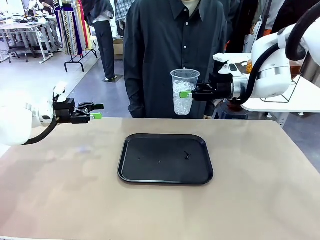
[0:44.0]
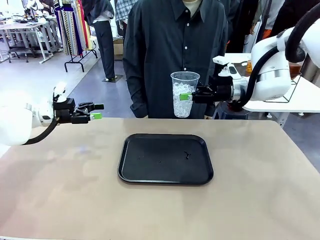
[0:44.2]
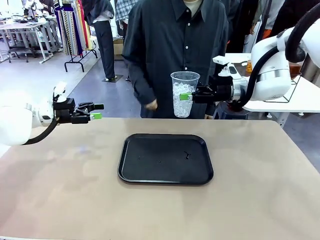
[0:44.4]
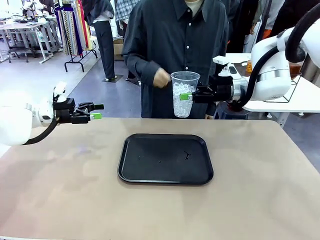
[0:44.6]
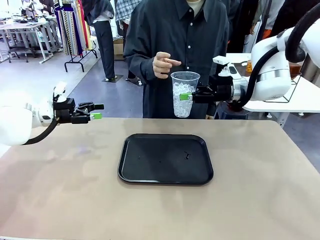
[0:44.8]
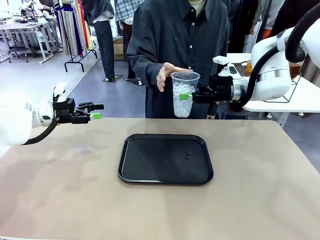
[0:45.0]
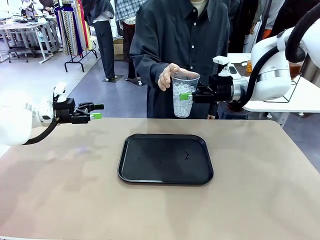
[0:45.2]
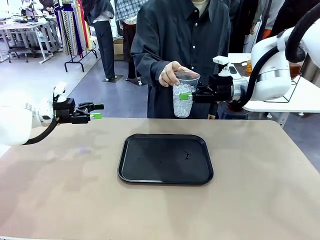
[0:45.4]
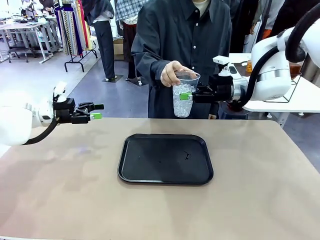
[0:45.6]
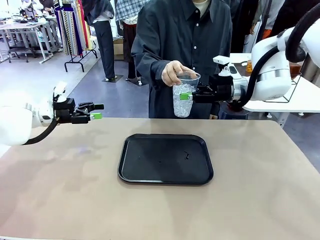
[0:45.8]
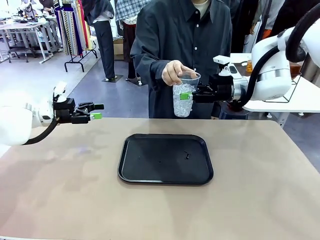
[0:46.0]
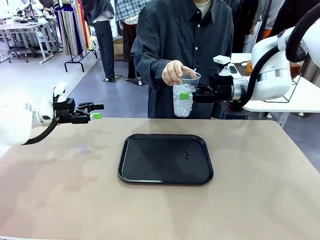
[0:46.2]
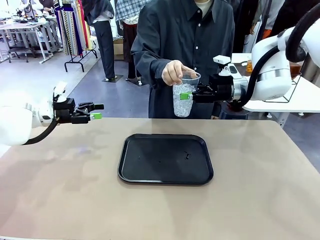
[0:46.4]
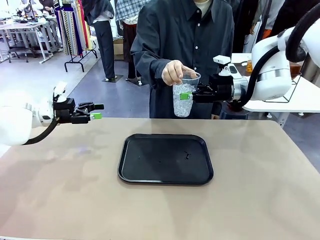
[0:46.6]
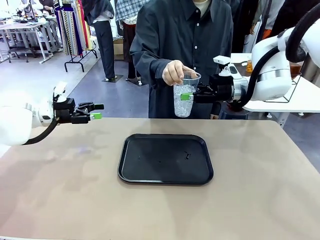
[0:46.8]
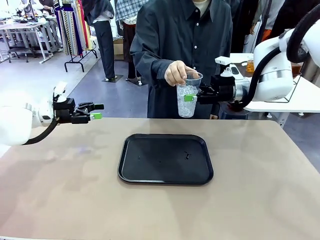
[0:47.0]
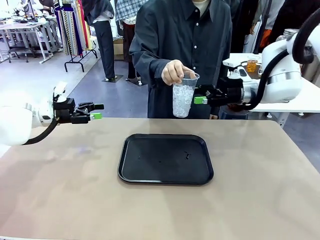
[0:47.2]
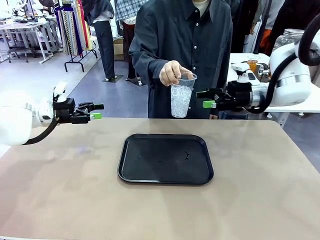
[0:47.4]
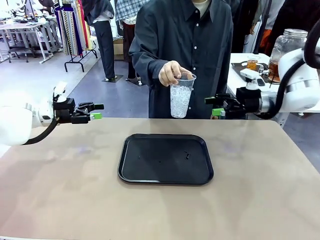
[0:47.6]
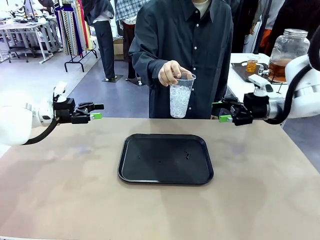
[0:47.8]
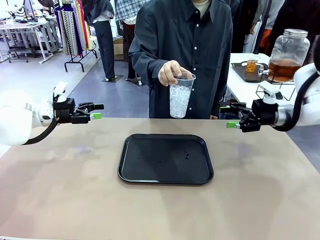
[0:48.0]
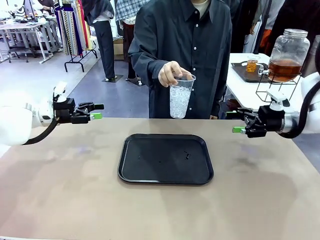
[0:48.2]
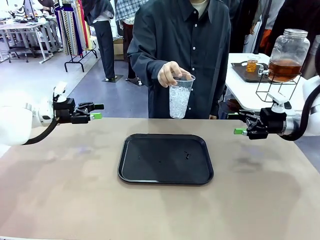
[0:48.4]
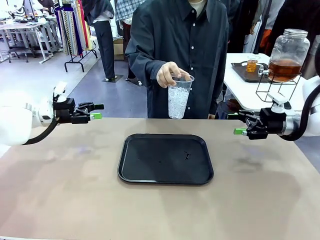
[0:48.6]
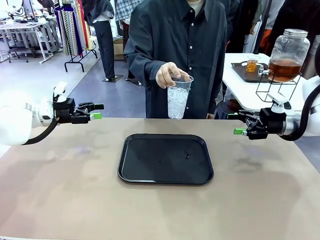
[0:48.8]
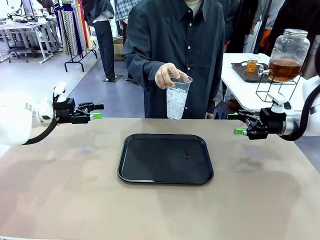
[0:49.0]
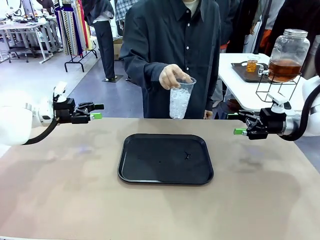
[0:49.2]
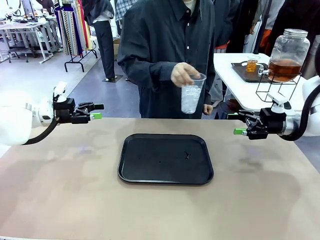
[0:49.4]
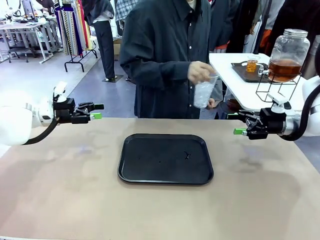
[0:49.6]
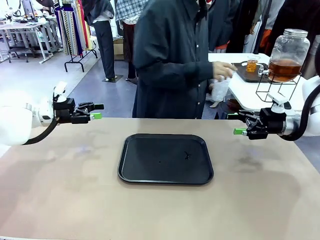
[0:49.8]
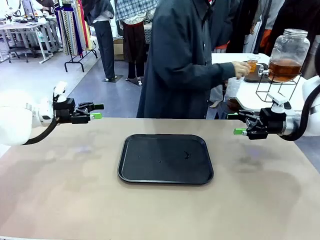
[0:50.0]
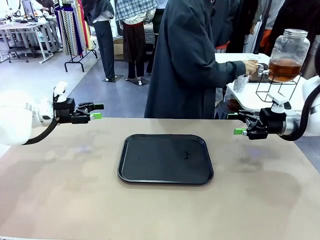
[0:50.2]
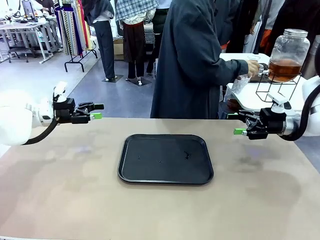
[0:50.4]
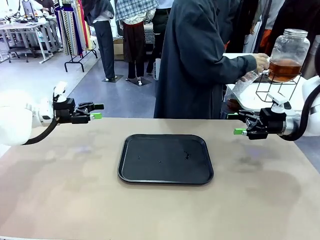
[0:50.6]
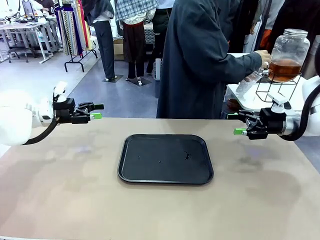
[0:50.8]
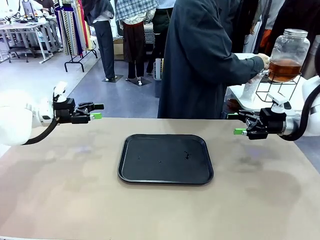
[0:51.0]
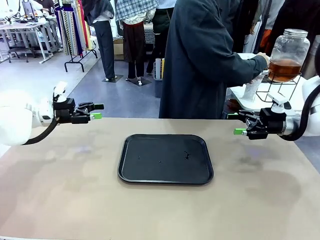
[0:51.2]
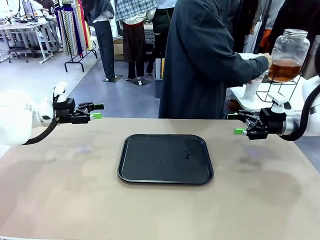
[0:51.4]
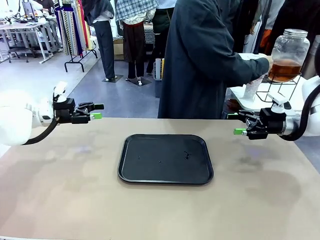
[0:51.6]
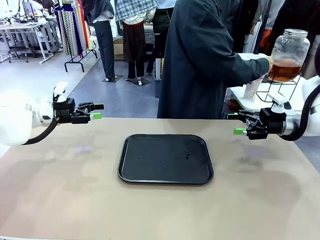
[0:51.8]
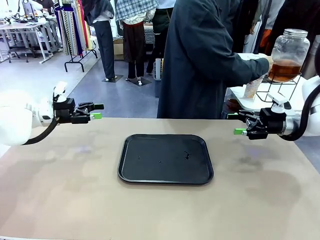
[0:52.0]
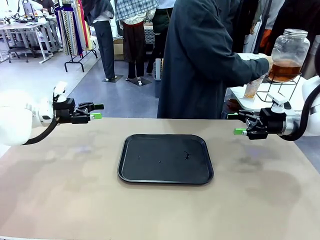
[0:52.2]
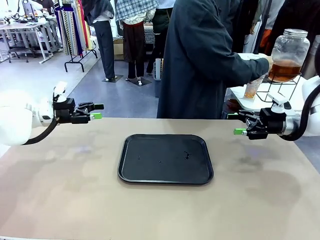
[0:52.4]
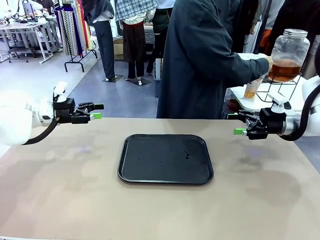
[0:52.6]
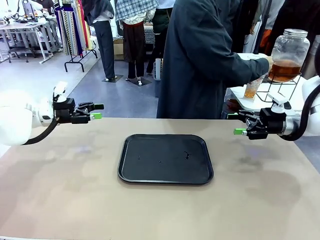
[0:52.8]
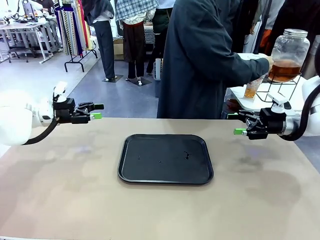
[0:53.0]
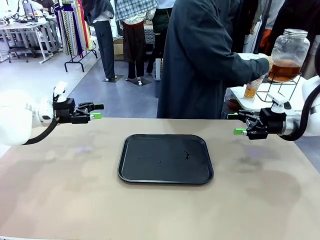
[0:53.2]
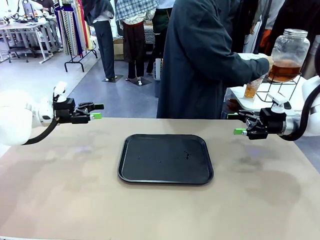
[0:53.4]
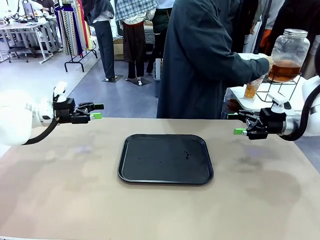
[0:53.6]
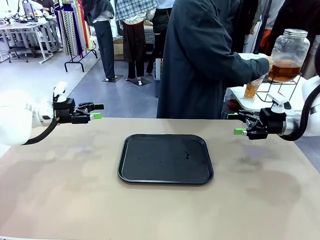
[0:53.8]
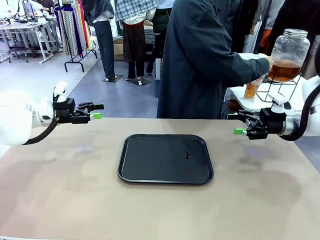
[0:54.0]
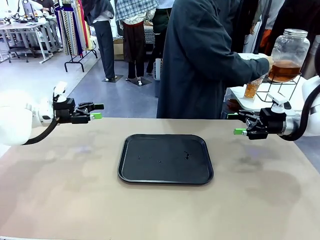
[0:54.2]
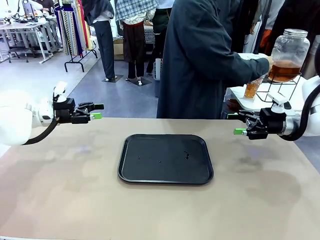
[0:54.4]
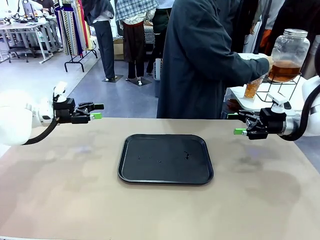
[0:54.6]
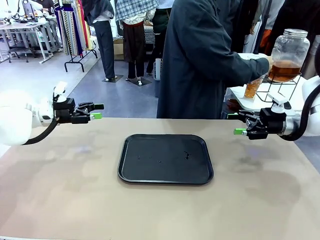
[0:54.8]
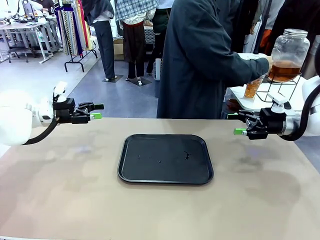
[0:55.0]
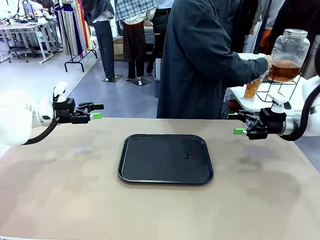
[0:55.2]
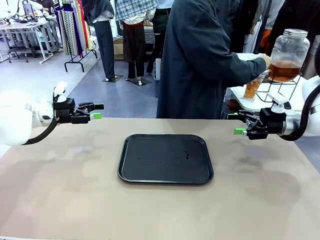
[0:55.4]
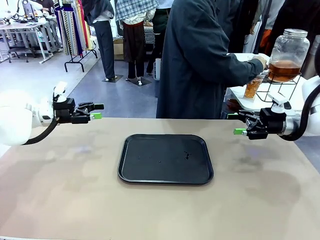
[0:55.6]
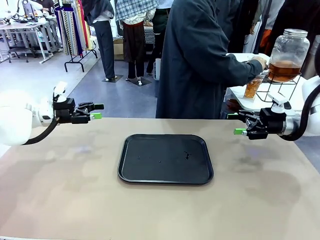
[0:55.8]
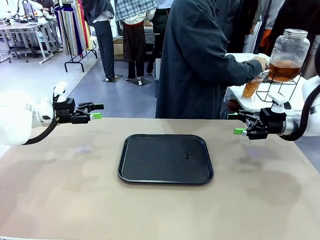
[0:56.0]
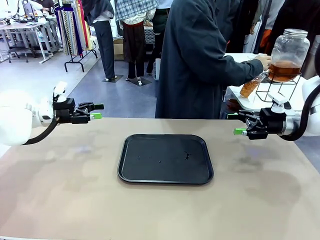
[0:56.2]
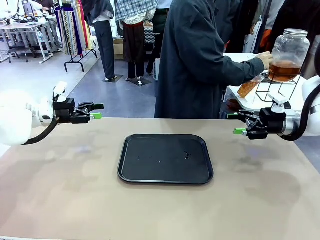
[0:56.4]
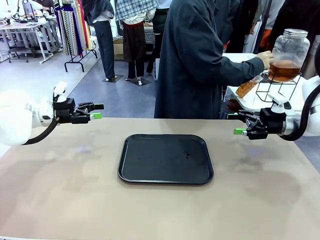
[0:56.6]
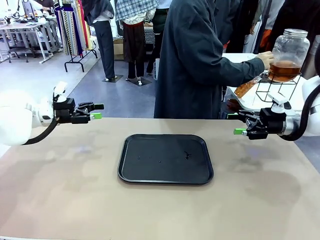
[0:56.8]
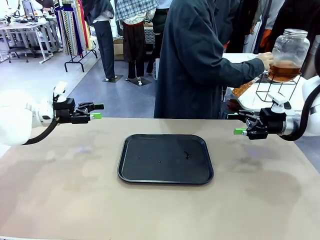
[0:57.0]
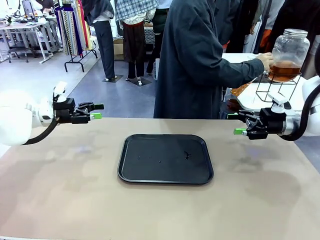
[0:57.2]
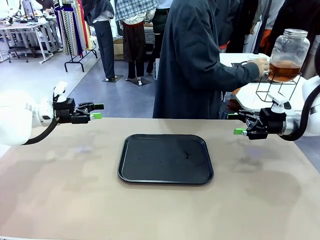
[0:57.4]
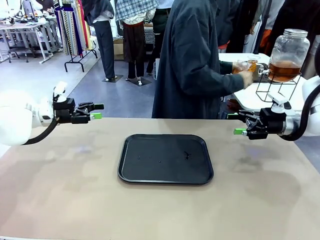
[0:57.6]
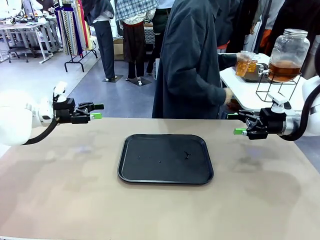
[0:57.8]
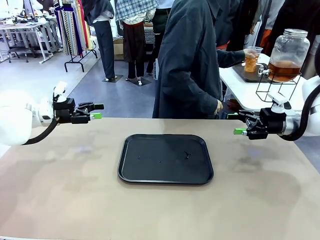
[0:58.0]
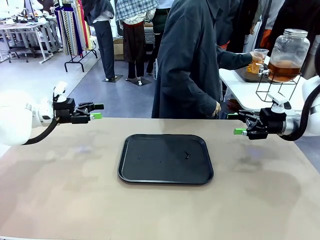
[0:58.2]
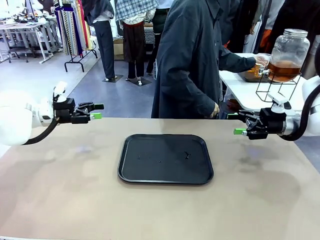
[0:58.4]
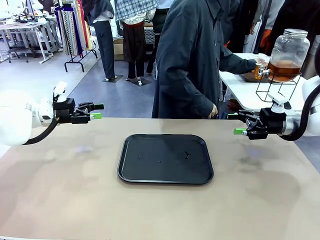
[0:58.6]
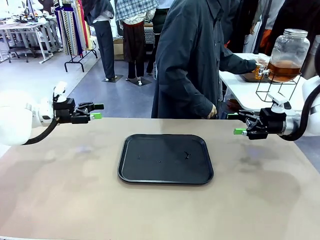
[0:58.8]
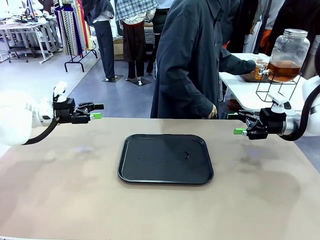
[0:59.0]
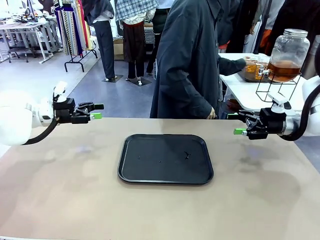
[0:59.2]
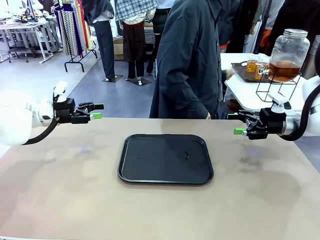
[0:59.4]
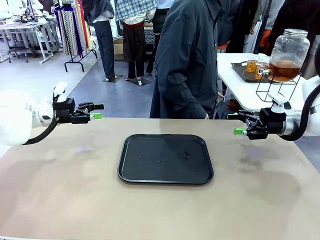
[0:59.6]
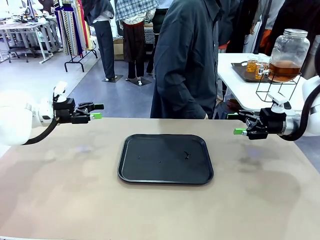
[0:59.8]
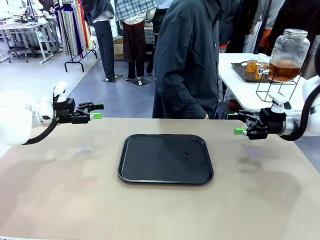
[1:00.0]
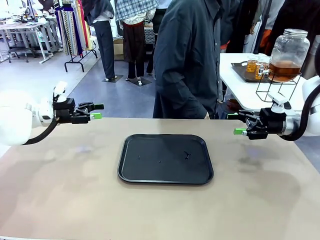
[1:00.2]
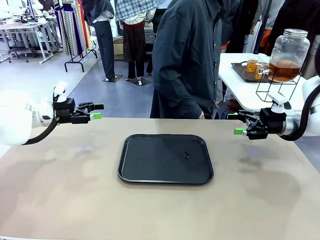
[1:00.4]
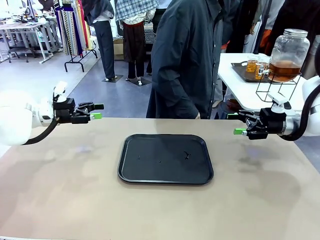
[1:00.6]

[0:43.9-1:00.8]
Task: Pour the drink into the iced cup.
Robot: Open the gripper to release the iced cup you were holding.
Person: Move the picked-up cup under the dispenser faucet, pour the drink, and place it on the tray on the human table.
